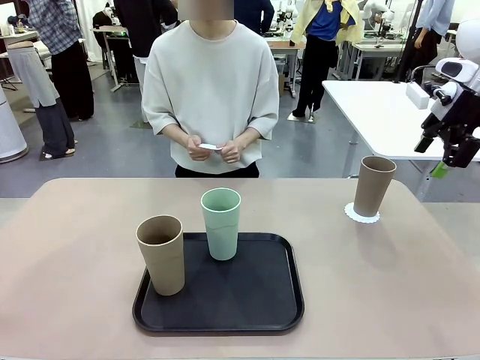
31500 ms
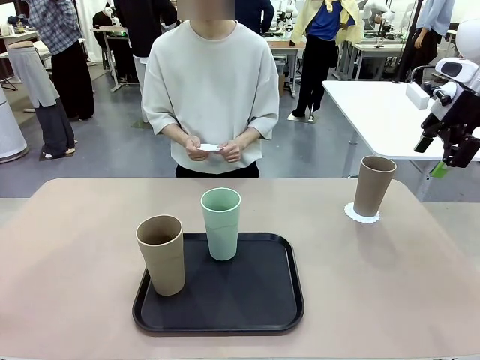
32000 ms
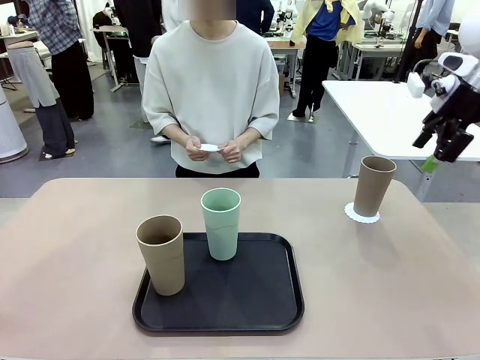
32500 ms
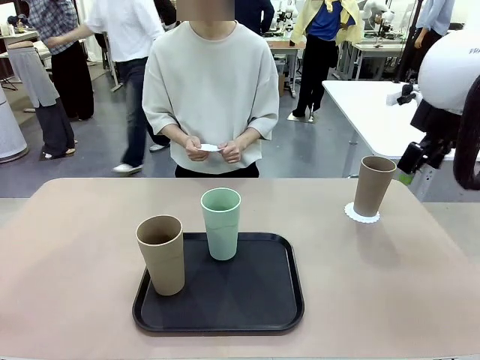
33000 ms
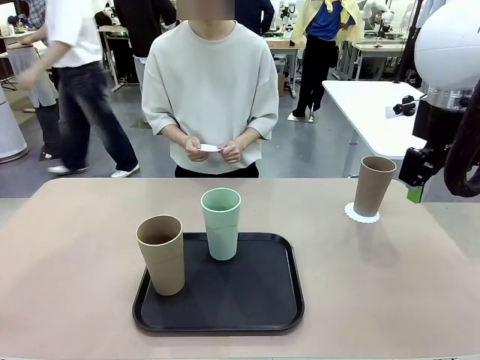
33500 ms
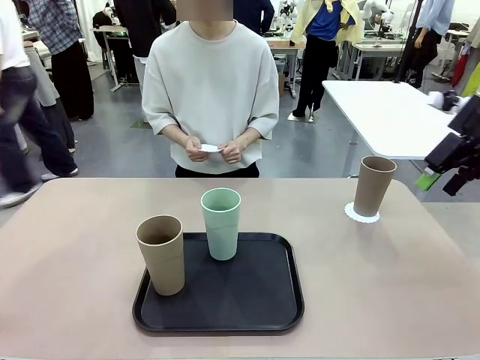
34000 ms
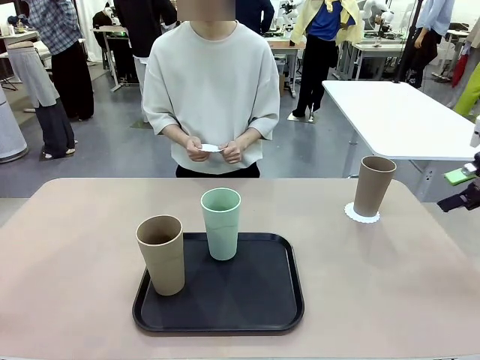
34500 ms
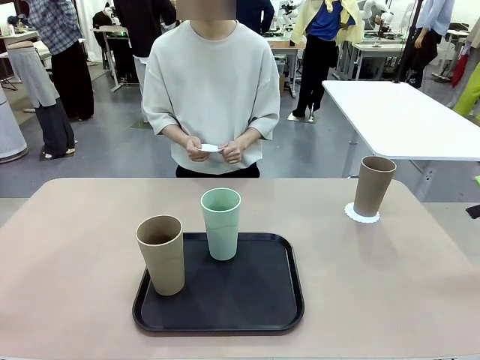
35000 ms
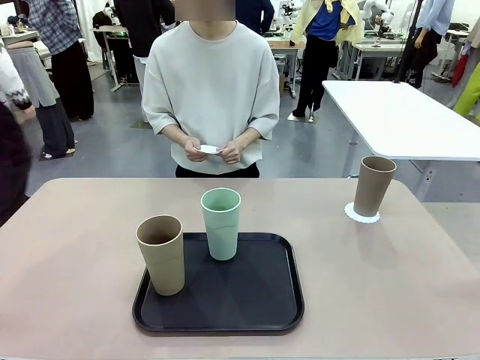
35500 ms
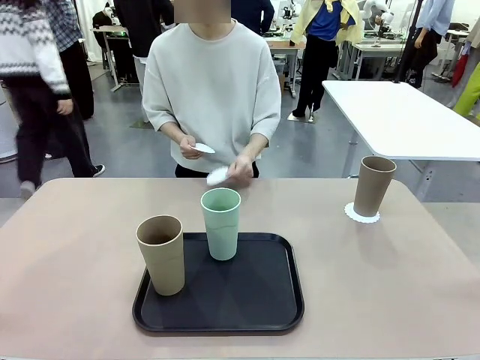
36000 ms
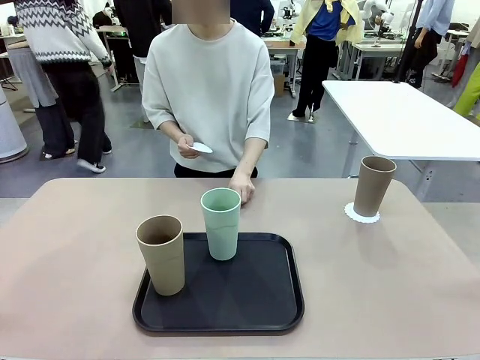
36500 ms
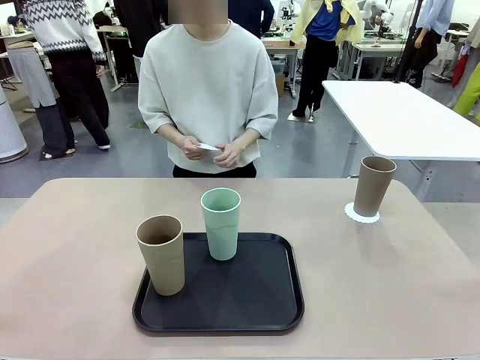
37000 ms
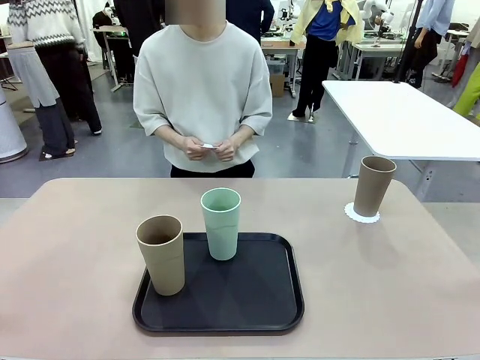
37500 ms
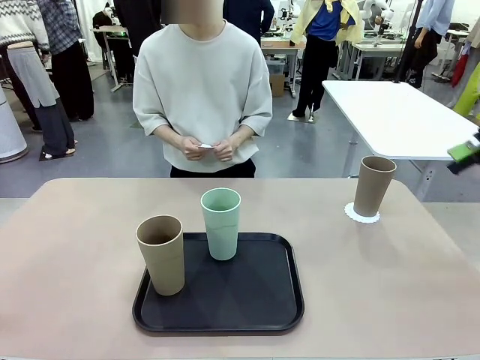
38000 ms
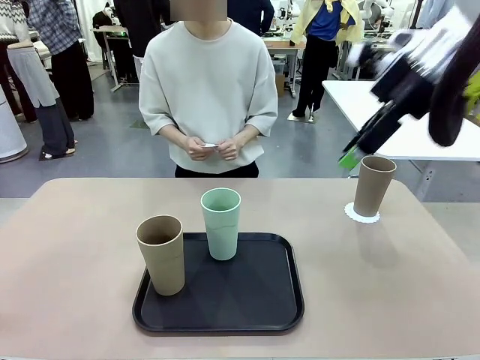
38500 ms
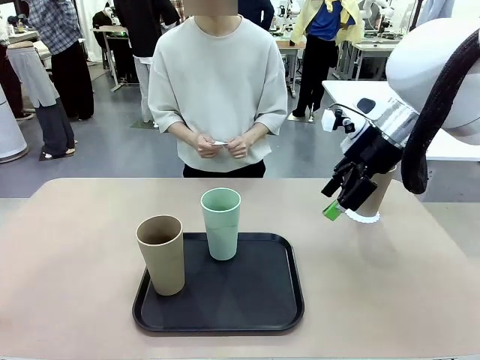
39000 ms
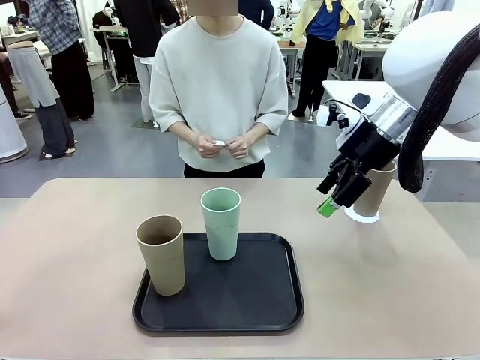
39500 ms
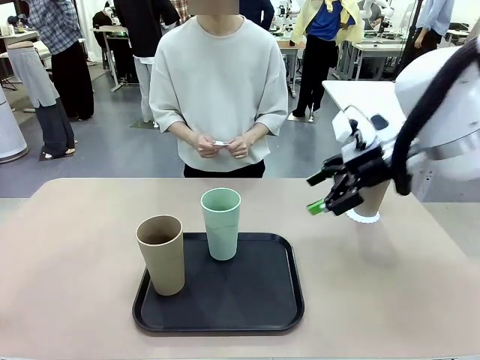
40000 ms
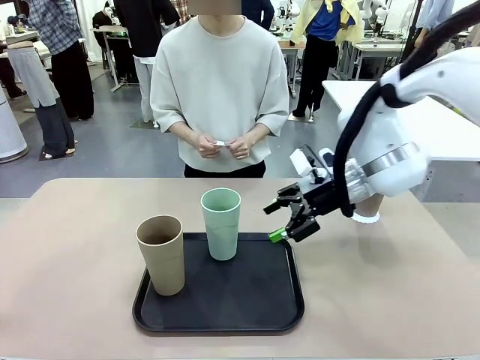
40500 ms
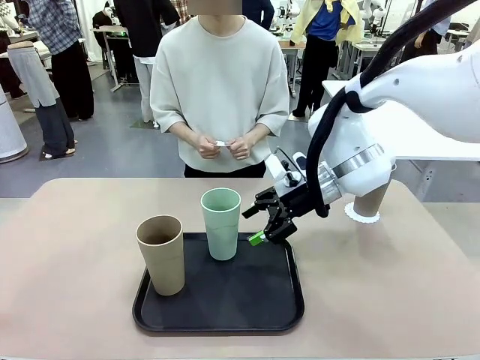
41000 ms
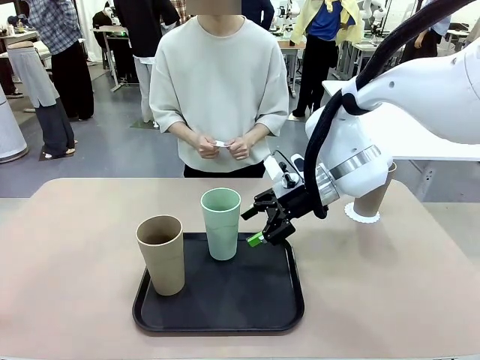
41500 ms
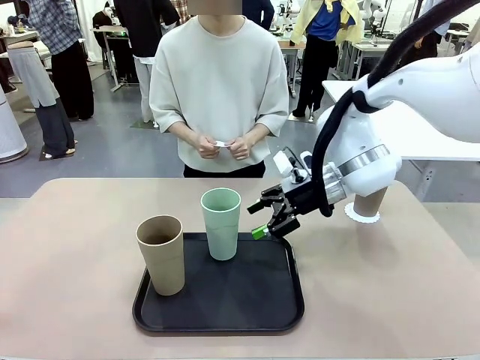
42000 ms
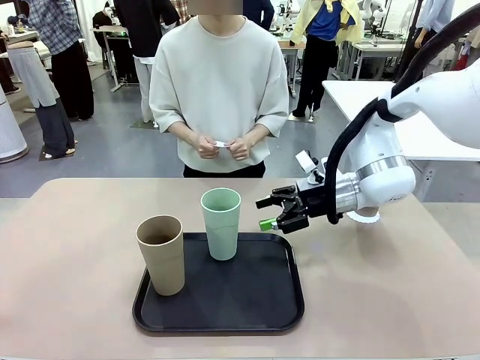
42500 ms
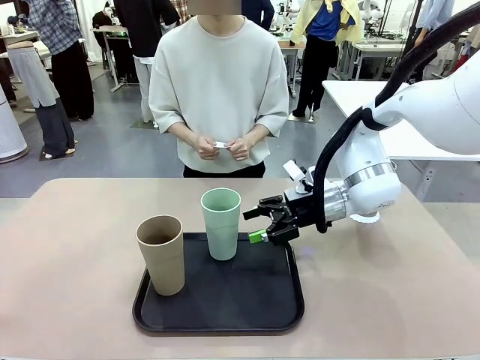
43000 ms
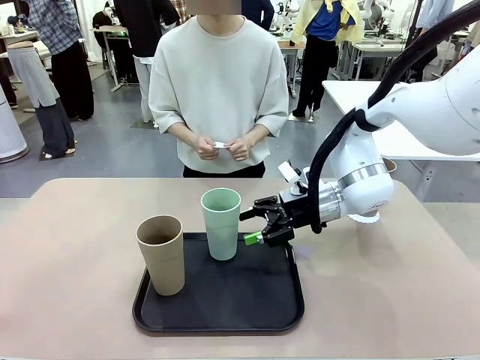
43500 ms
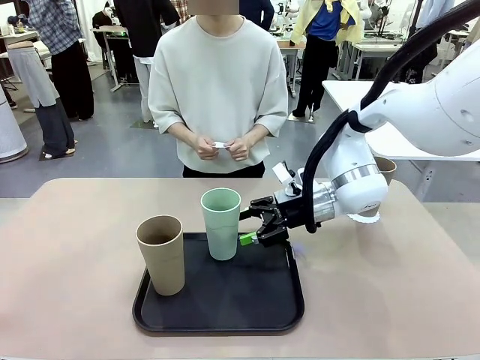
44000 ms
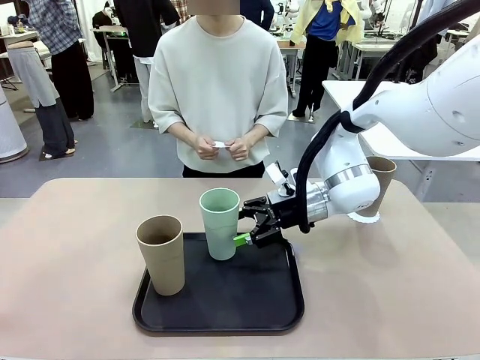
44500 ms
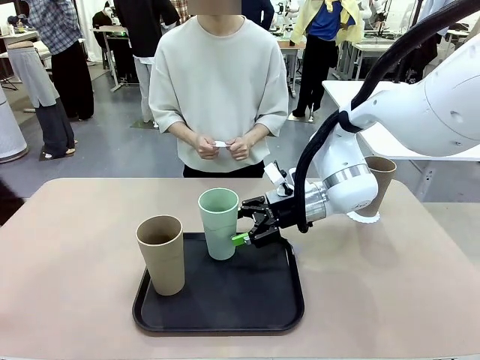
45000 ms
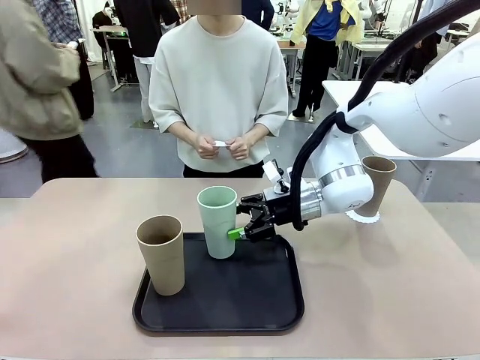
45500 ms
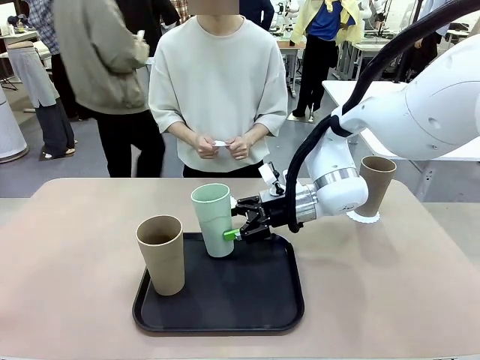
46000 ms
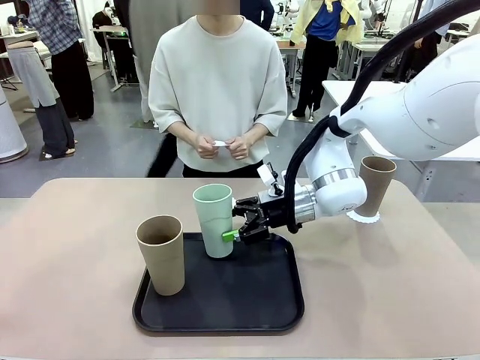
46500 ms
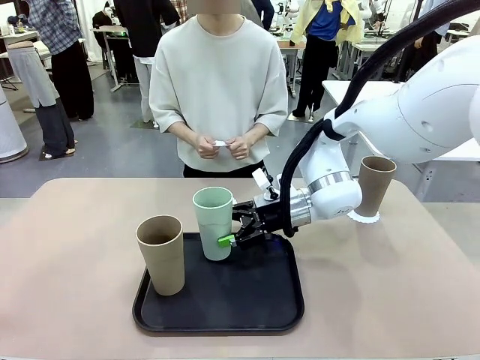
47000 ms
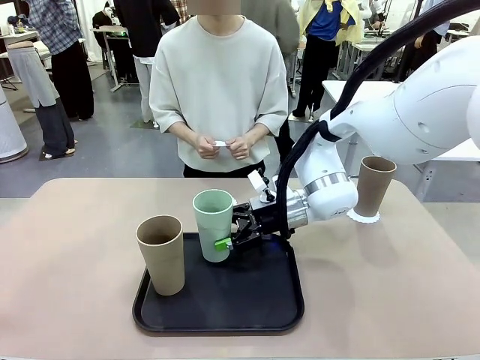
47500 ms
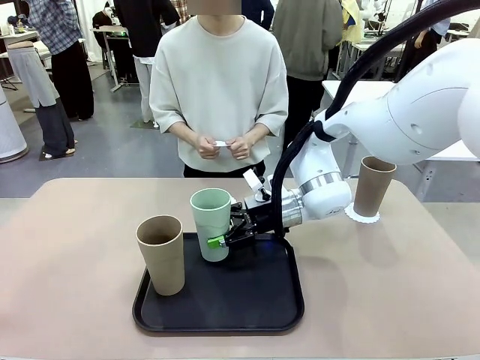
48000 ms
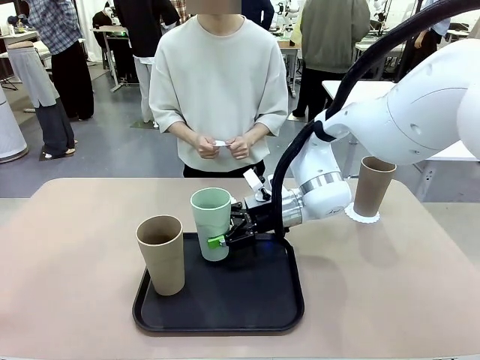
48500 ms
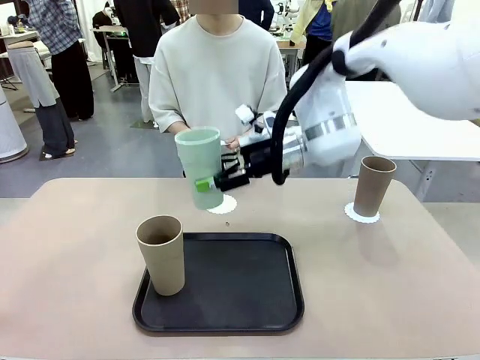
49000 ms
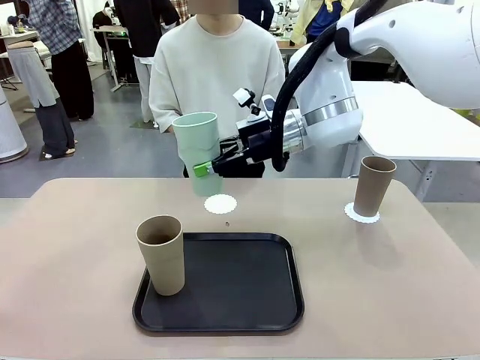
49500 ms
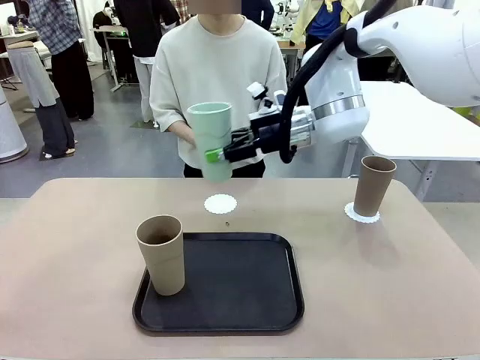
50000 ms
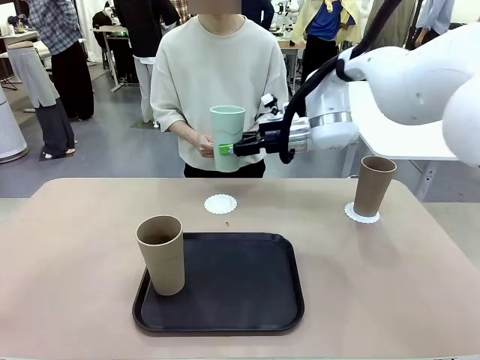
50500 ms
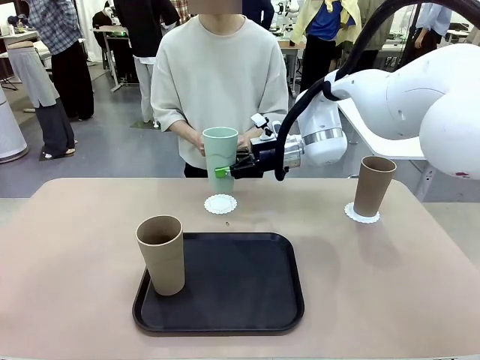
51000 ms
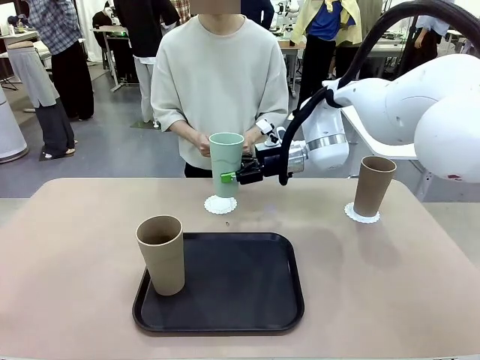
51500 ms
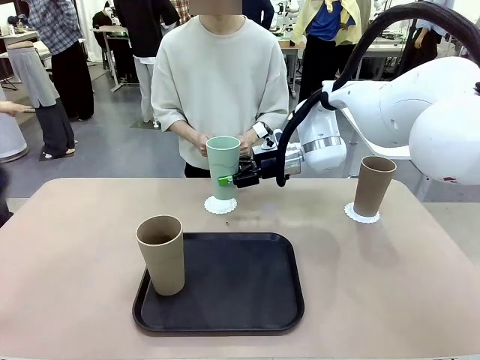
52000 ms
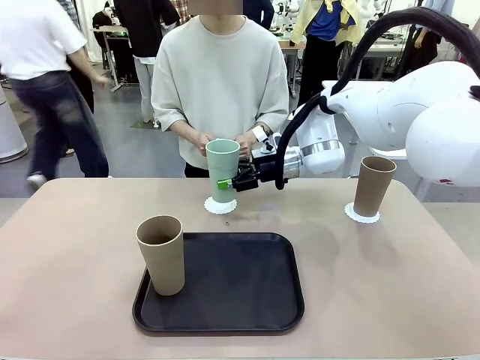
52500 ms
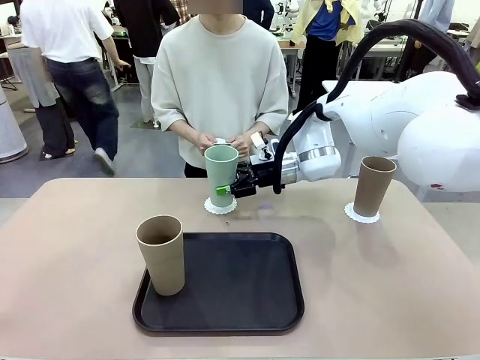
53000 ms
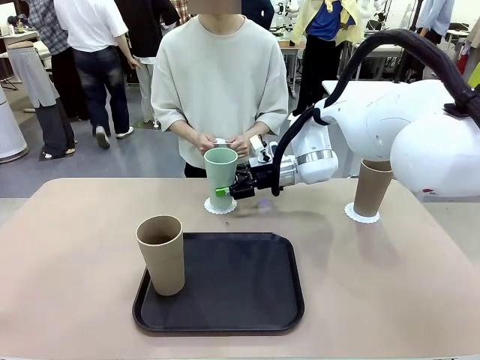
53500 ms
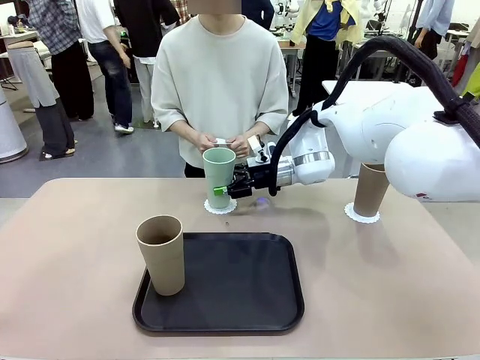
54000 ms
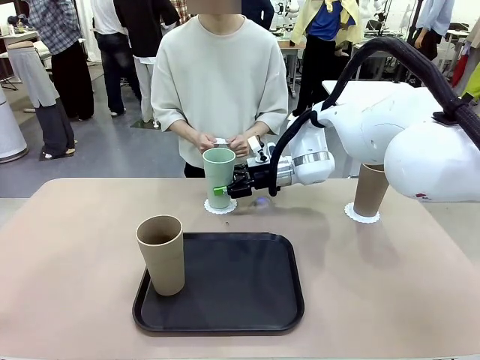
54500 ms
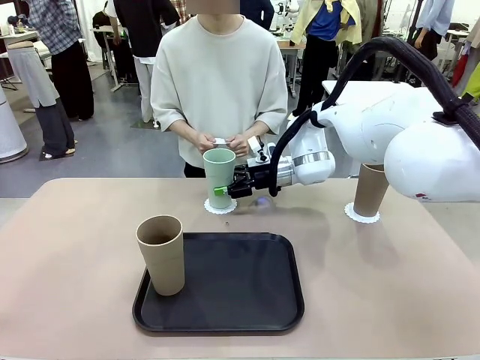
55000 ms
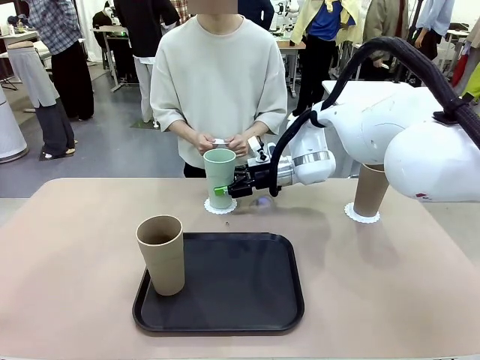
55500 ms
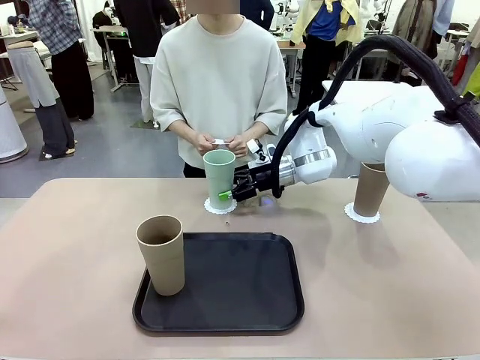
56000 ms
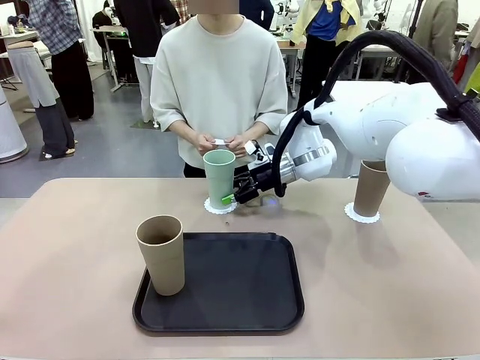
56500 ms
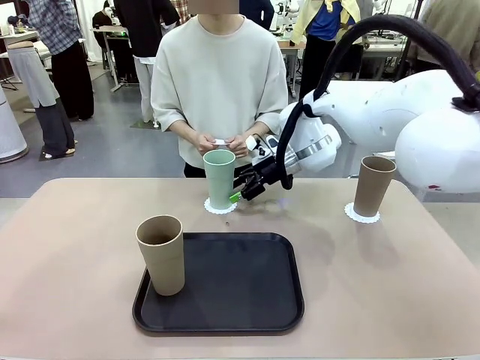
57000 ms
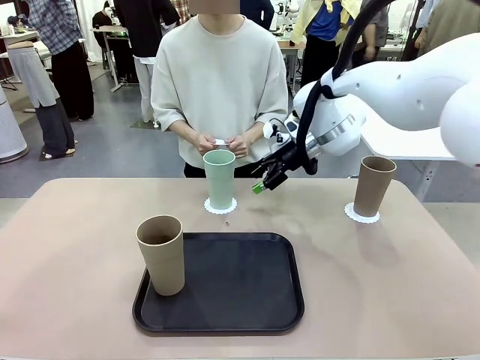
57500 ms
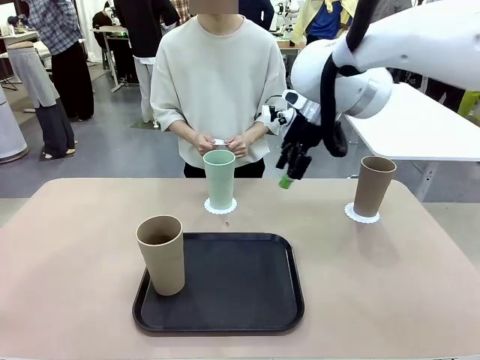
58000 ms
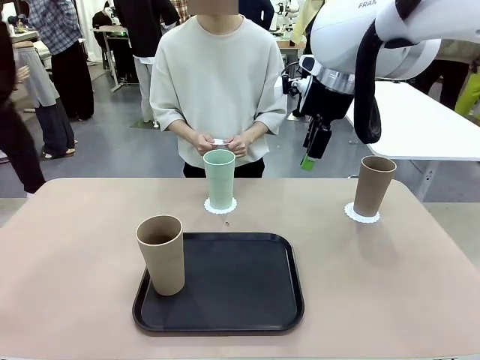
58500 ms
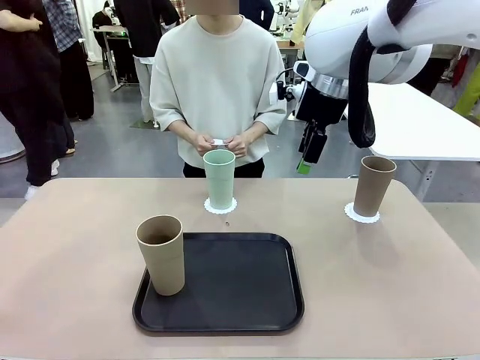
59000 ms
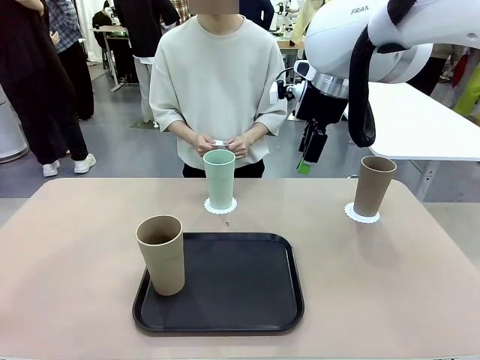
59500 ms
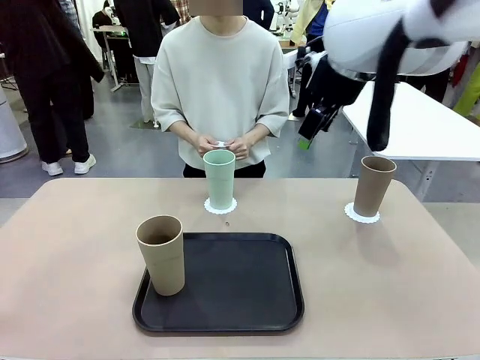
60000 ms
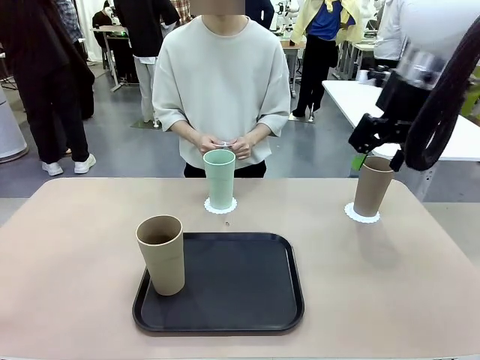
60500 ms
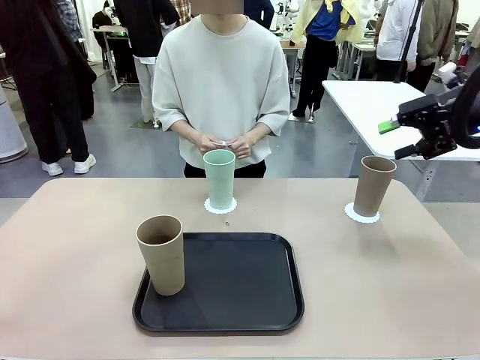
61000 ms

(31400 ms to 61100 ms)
Task: Place coasters on the table and set cups on them.
Robot: Take one Reusable plastic cup from the Flat Tray and place it on a coaster set by the human.
